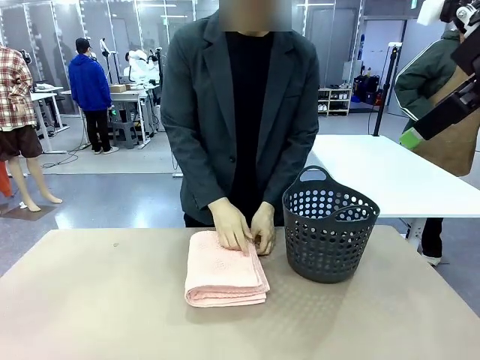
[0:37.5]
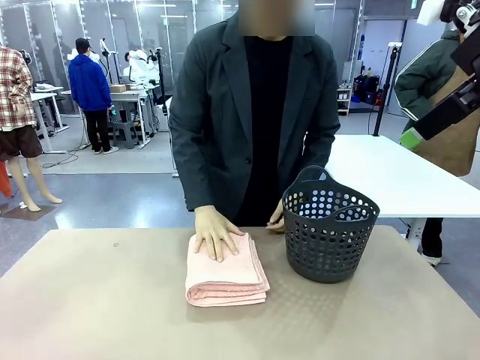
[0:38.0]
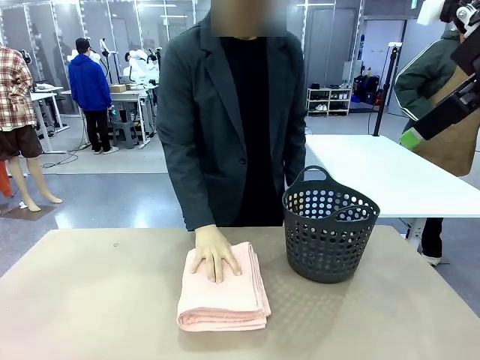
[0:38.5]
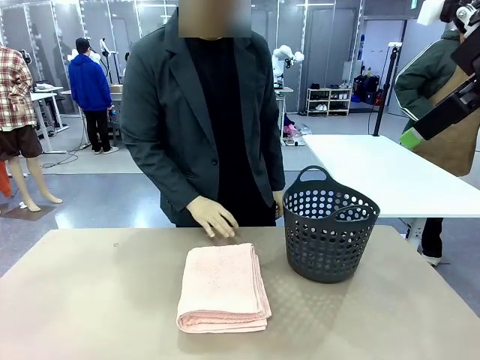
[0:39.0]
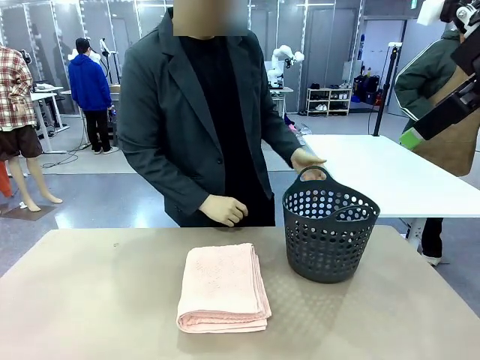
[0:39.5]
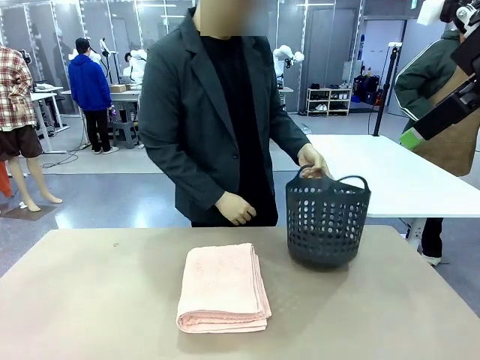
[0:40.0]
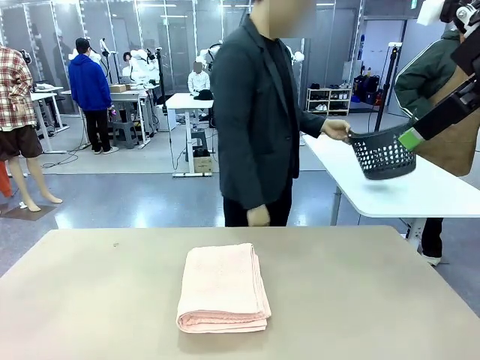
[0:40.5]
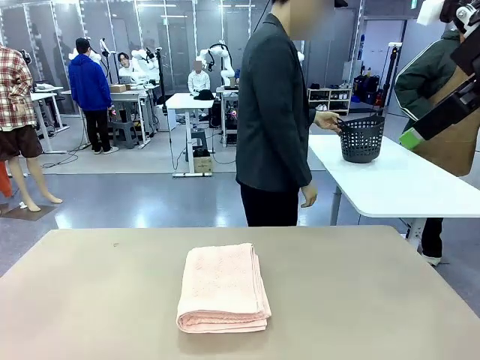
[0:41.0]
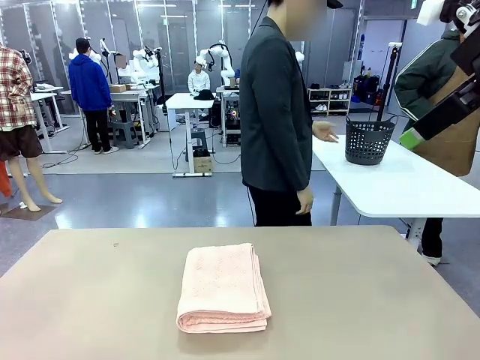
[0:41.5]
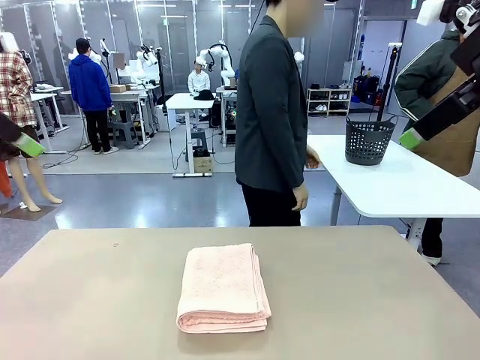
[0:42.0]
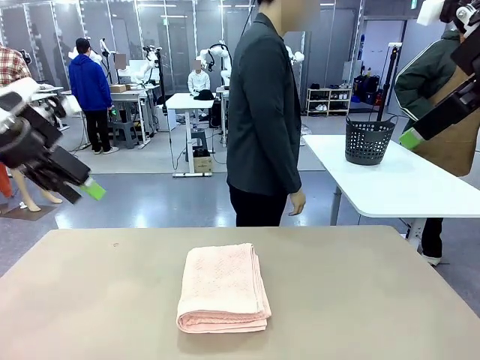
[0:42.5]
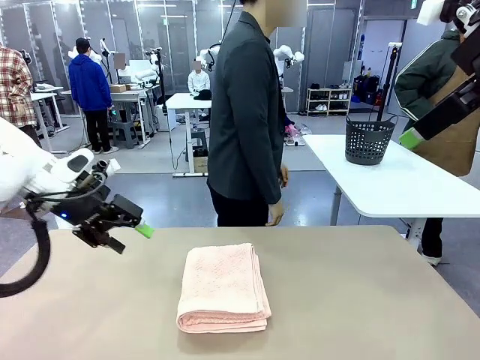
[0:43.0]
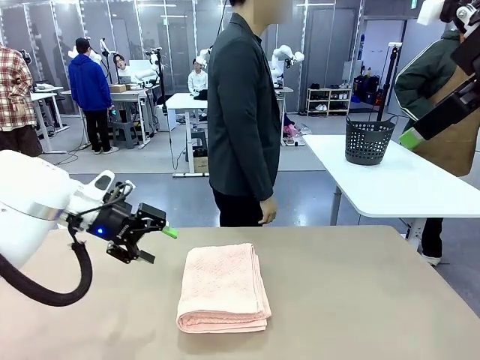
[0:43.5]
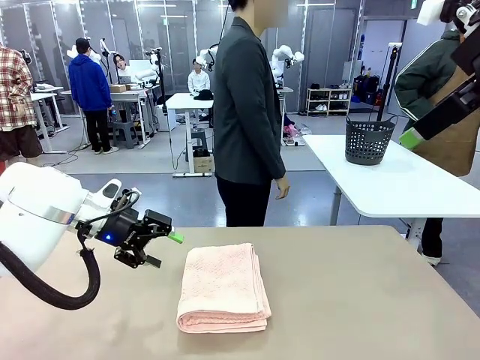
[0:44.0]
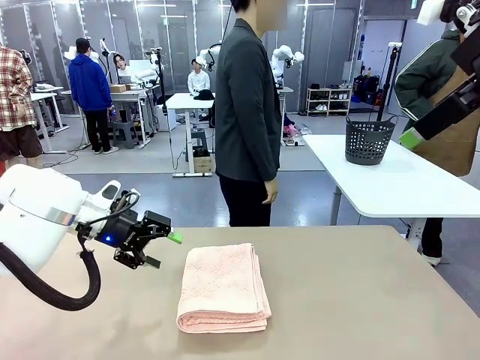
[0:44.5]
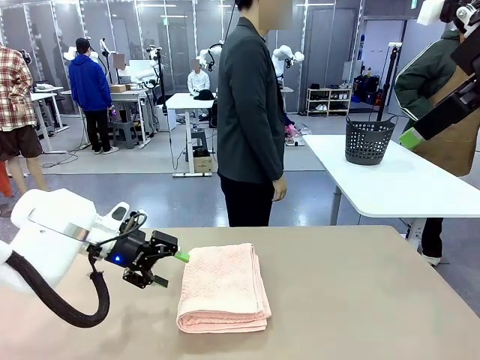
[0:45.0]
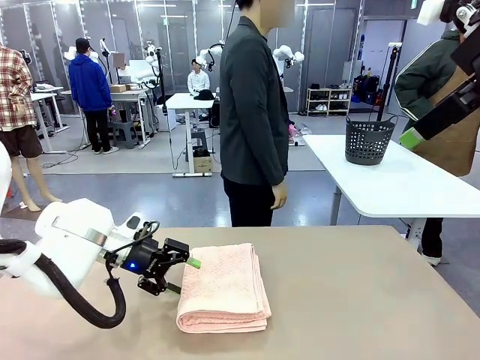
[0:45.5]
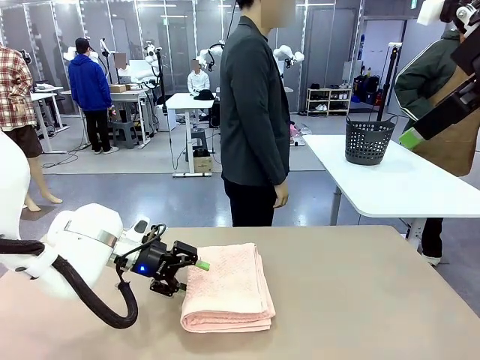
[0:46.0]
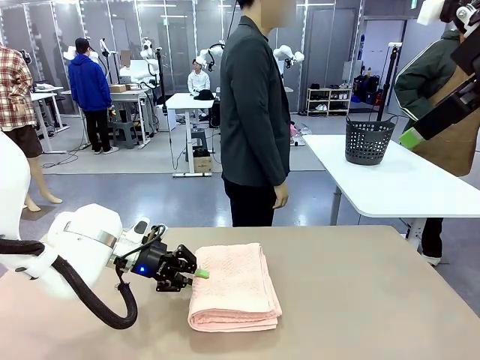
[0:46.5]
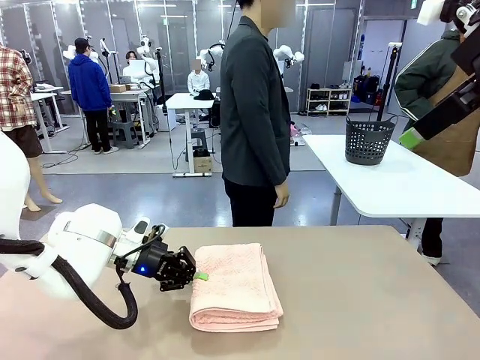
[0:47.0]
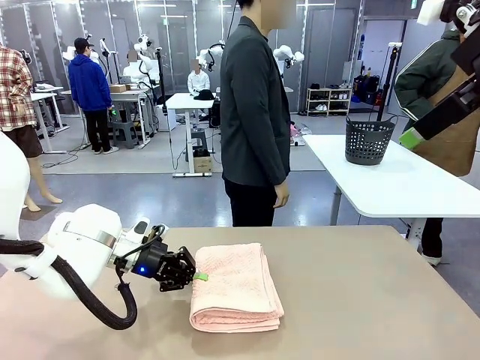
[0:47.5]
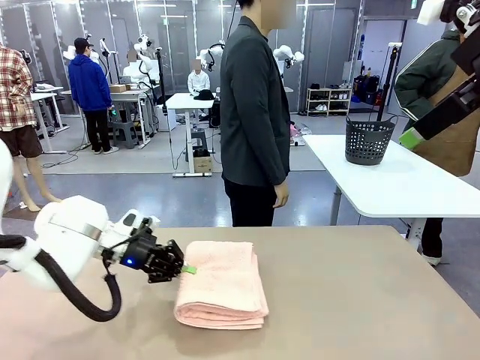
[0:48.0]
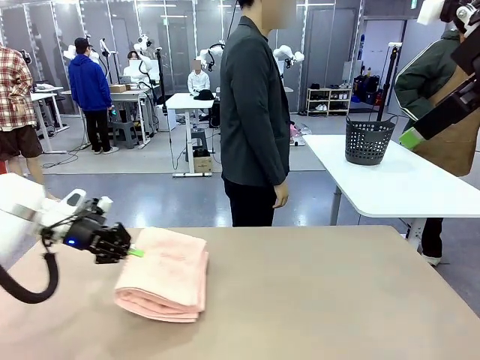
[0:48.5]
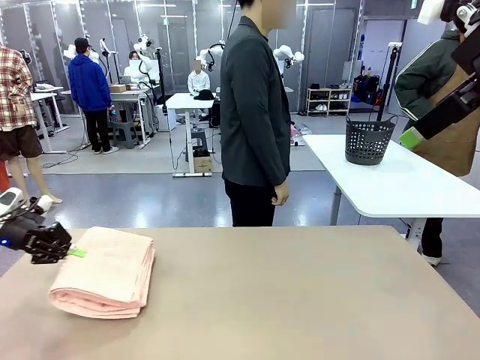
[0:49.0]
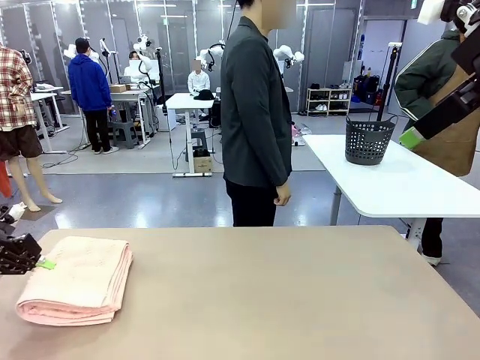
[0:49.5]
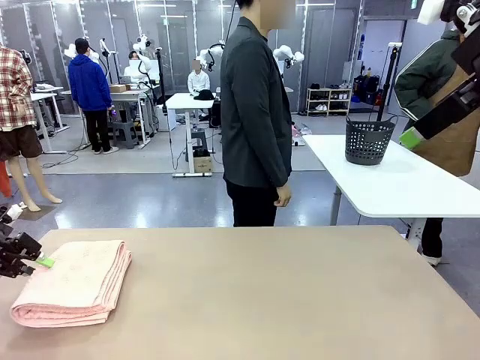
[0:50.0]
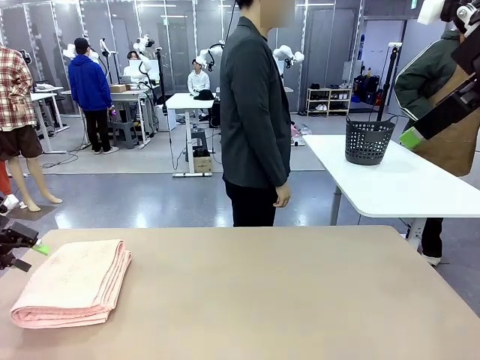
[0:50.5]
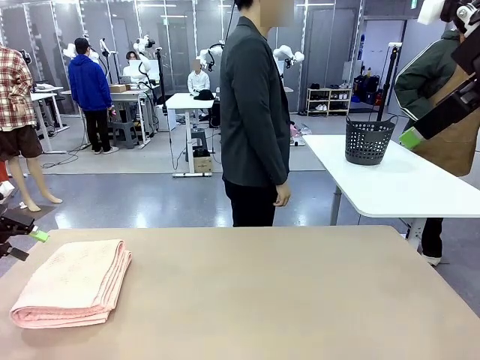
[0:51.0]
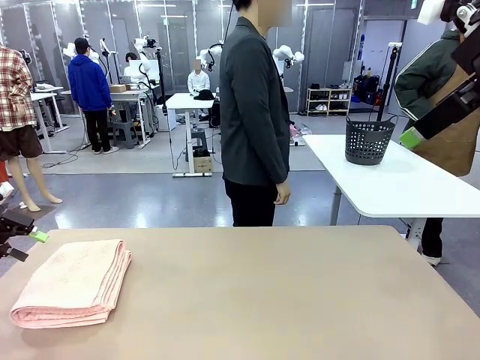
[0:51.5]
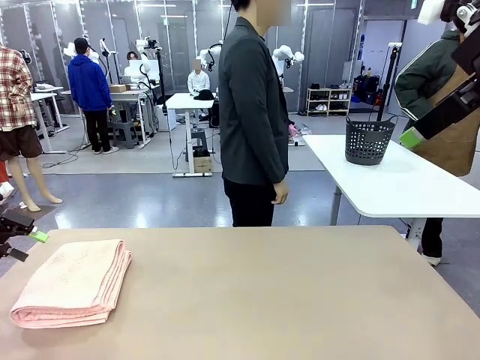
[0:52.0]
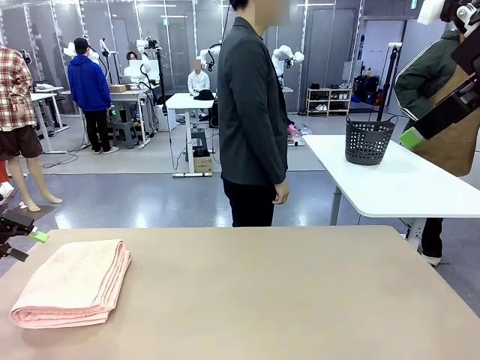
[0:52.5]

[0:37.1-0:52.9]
Task: Fold the towel.
Robot: Pick up the 100 cm Hotel Towel and place it on the left side of the table.
Person: Pick up the laundry basket and place it at the center of the human table.

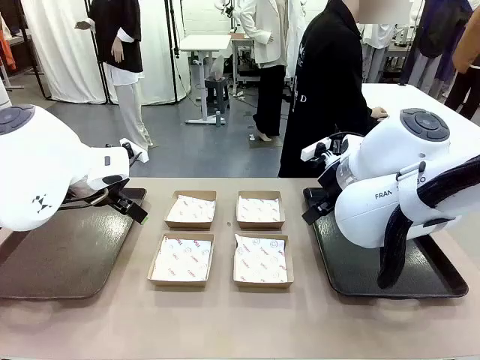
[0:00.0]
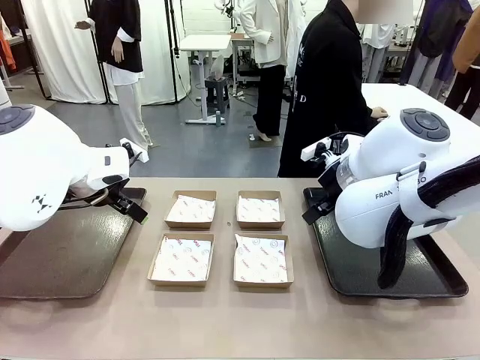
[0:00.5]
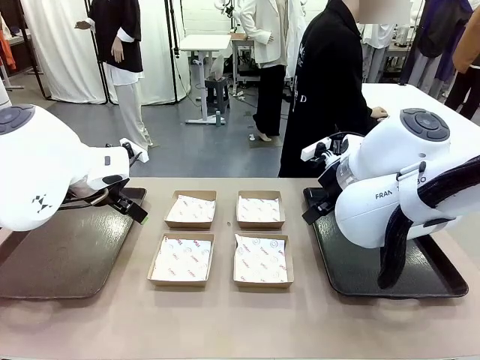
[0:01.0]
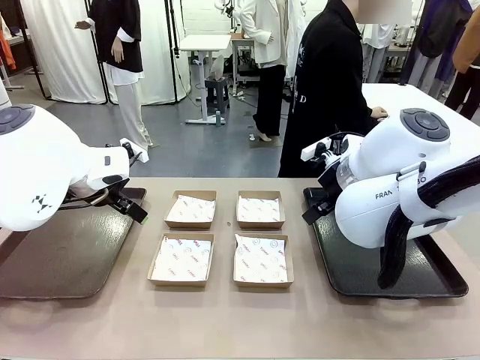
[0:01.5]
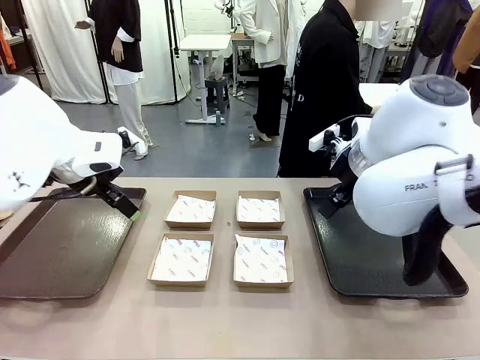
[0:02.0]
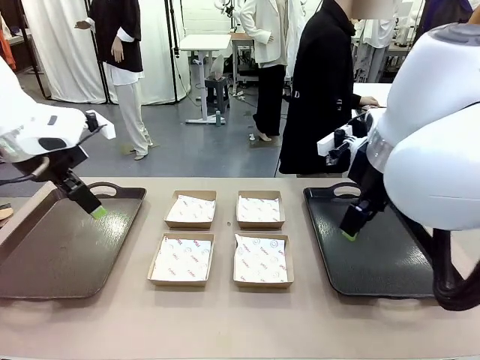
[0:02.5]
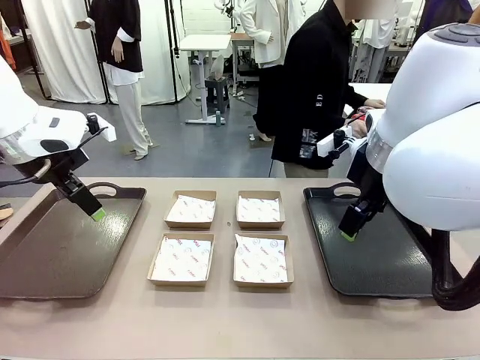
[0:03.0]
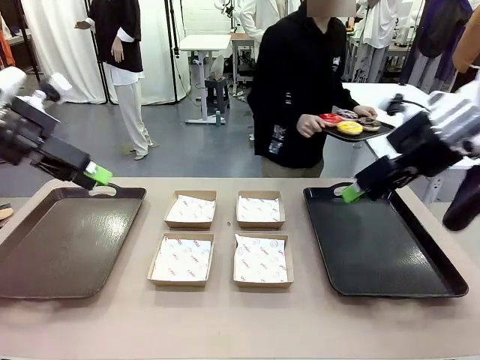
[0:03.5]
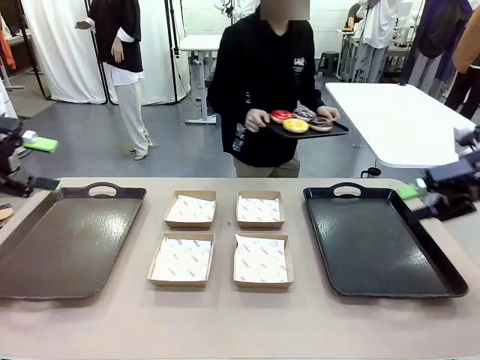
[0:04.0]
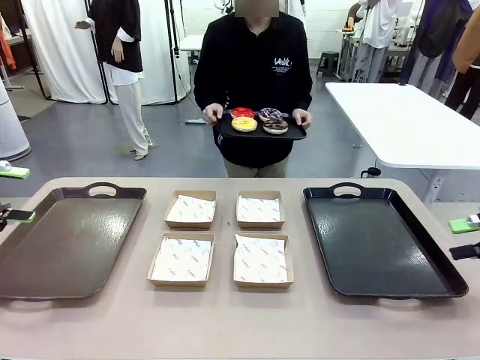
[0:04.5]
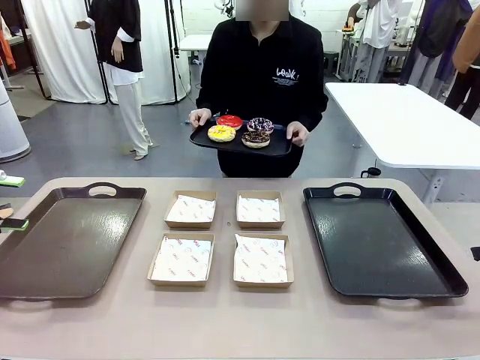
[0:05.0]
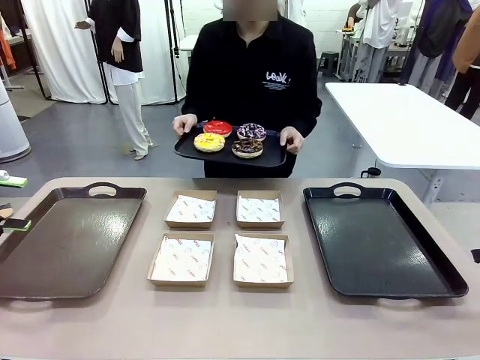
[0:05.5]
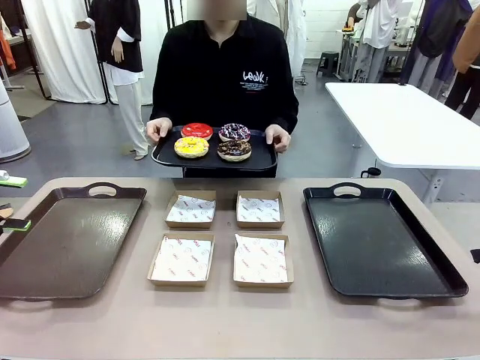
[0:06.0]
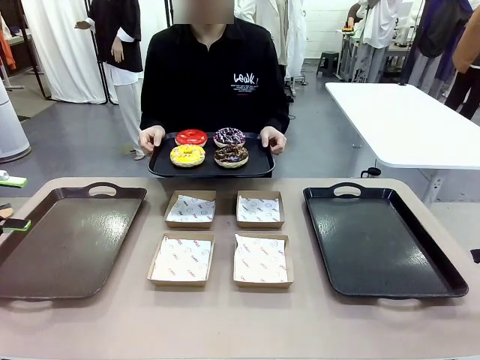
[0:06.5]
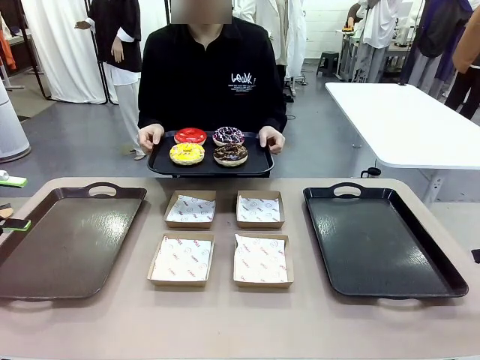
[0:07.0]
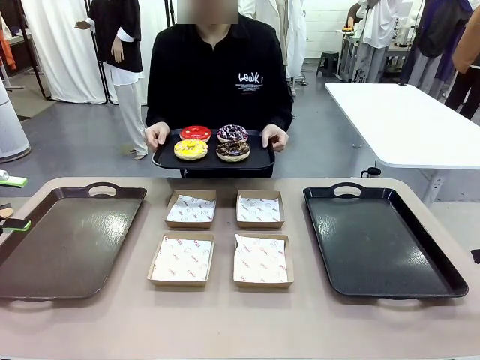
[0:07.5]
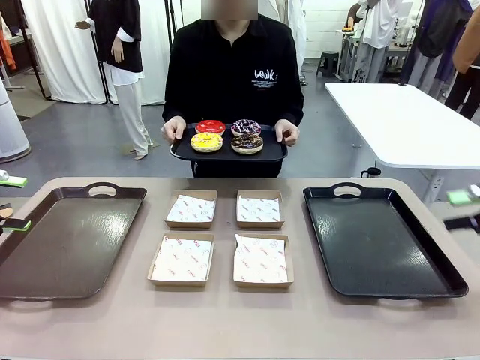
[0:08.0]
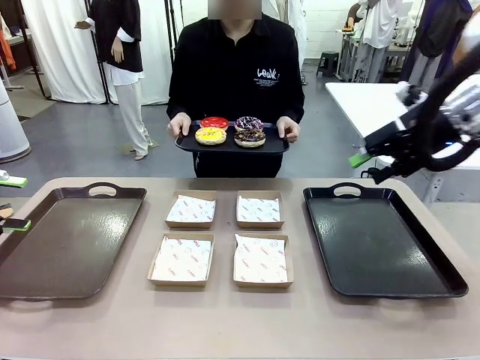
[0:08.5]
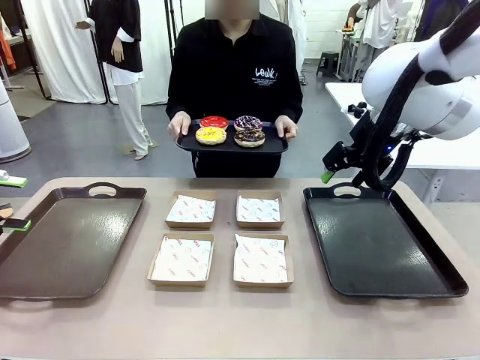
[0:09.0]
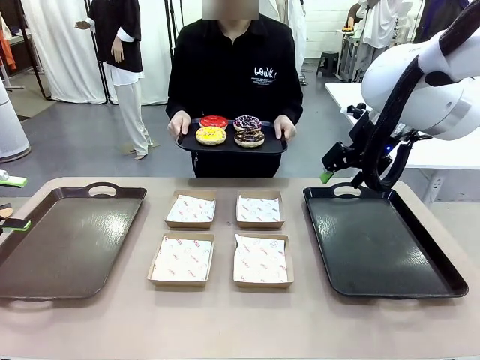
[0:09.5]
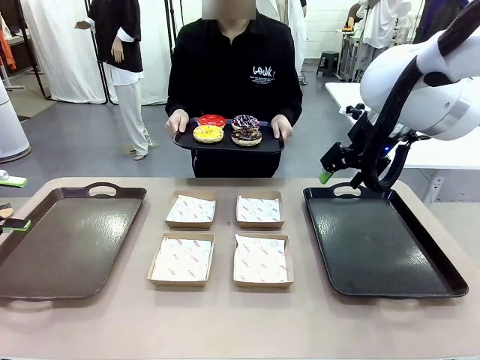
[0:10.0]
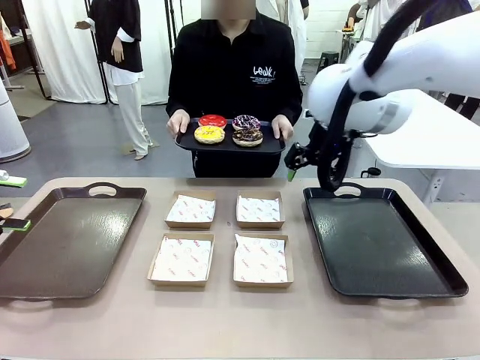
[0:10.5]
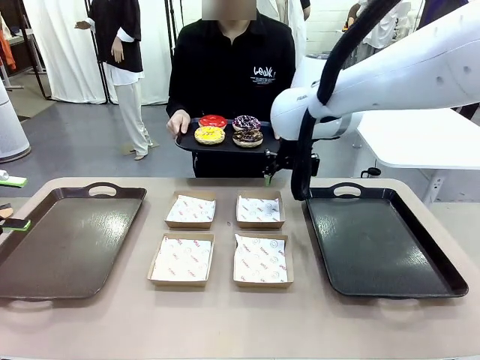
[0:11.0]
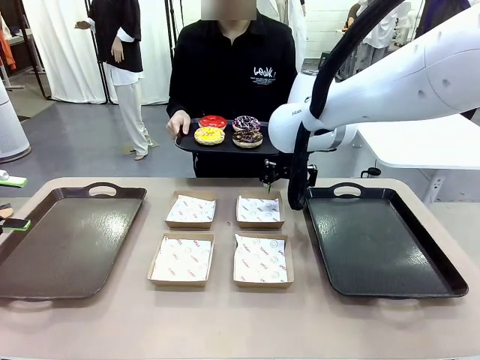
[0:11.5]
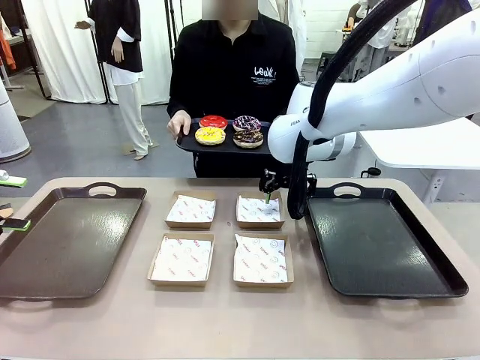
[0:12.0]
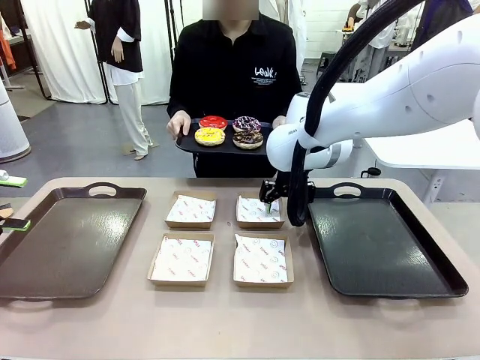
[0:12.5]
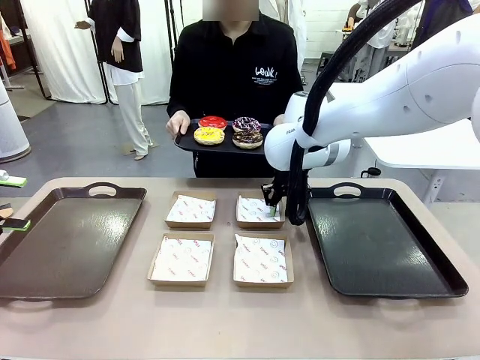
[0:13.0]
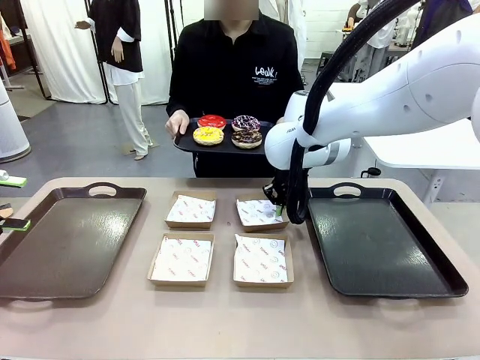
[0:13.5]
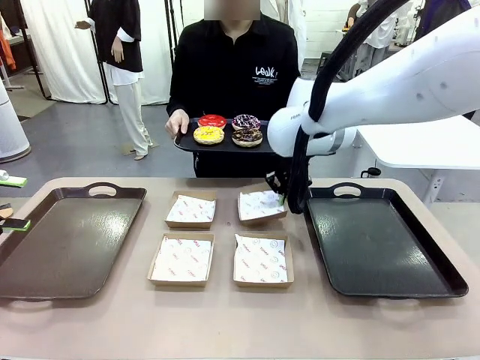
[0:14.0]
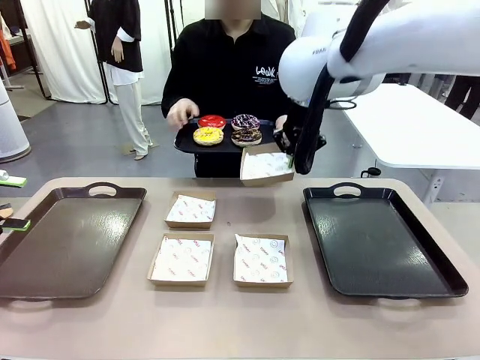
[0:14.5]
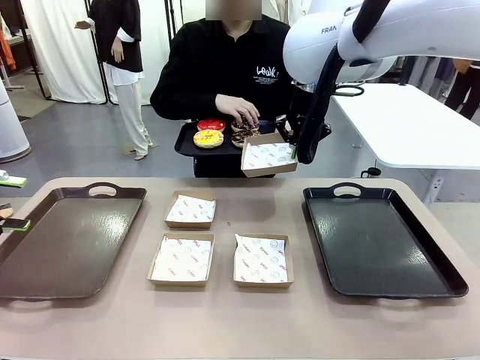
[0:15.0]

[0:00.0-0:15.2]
Task: Individually package the donuts and arrange them on the tray.
Robot: Pick up one Paper togo box.
Person: Stand in front of the robot table holding the tray containing the donuts.
